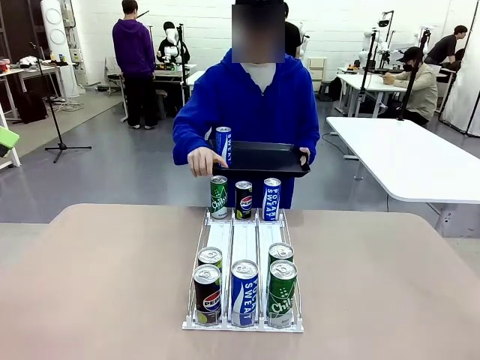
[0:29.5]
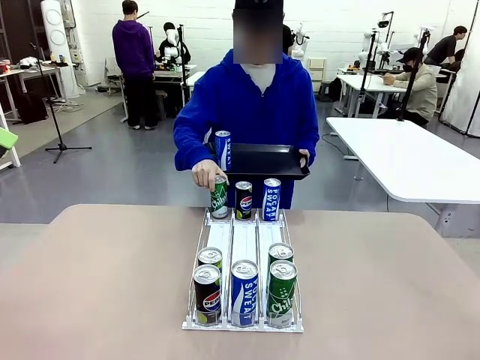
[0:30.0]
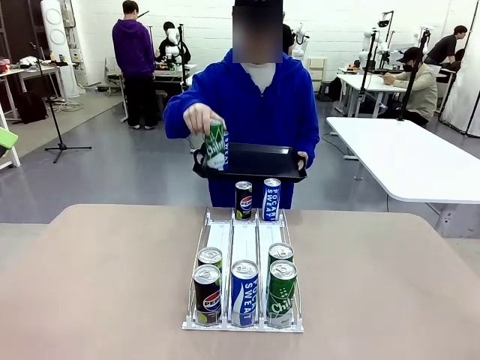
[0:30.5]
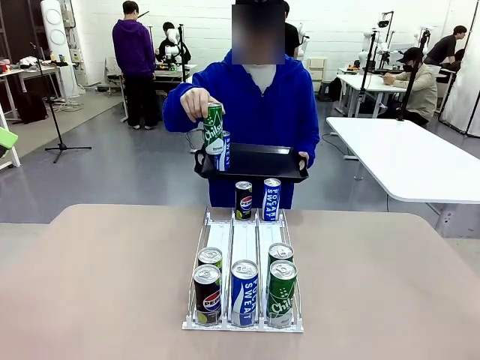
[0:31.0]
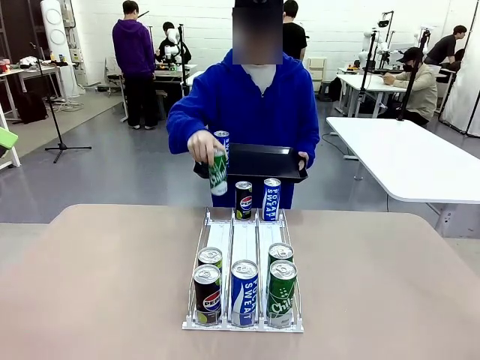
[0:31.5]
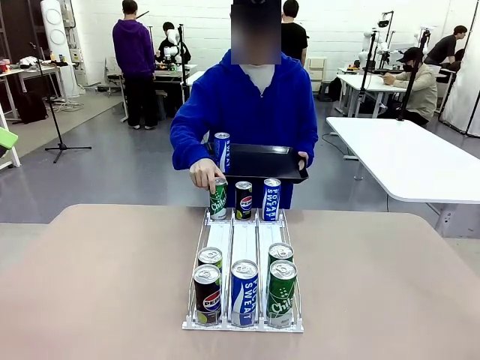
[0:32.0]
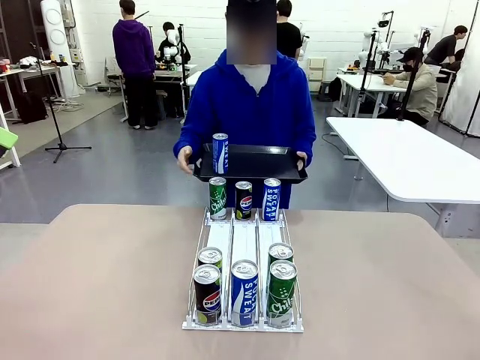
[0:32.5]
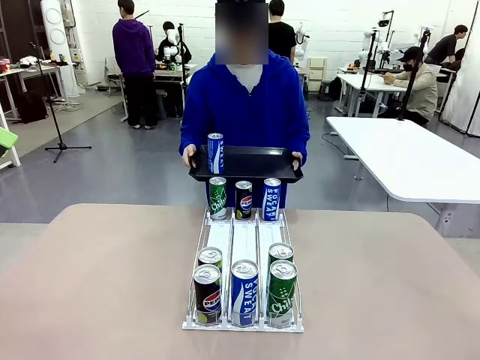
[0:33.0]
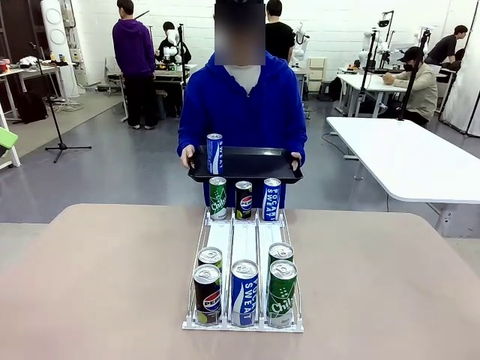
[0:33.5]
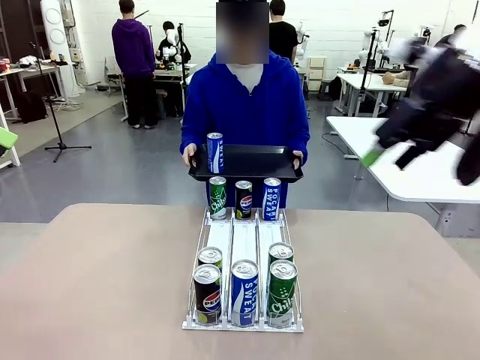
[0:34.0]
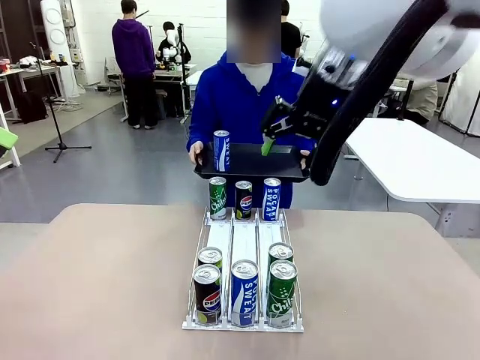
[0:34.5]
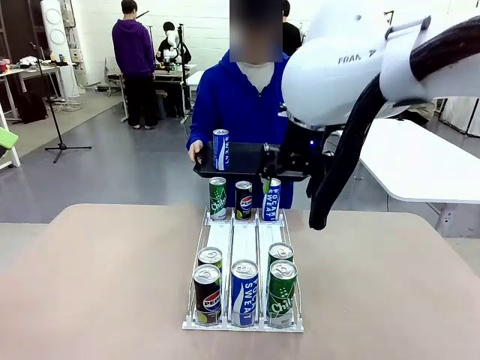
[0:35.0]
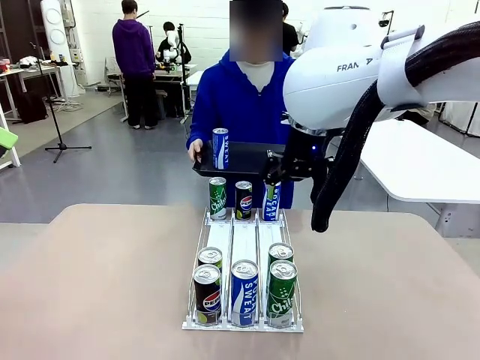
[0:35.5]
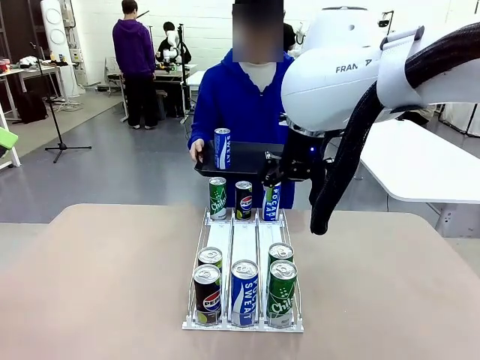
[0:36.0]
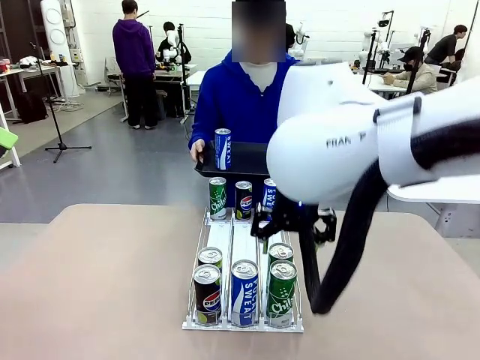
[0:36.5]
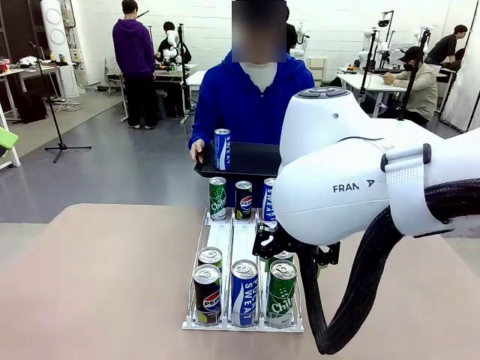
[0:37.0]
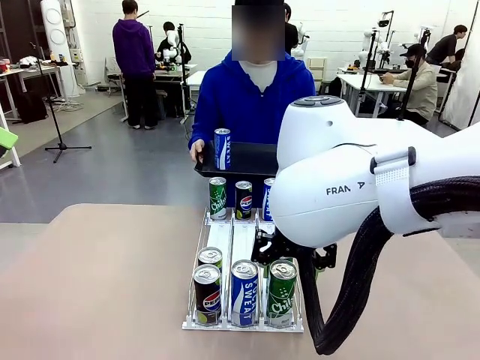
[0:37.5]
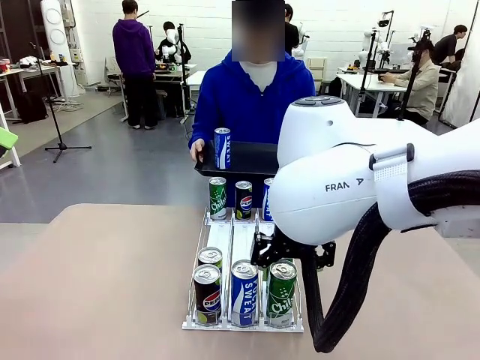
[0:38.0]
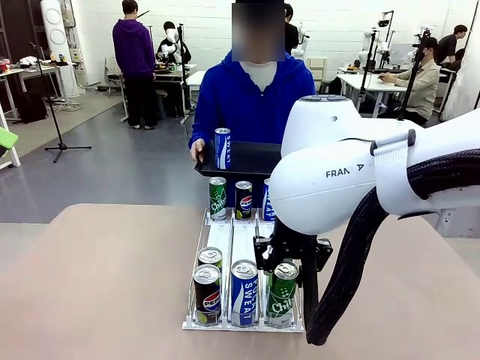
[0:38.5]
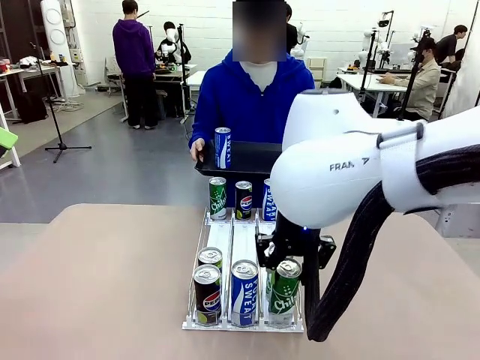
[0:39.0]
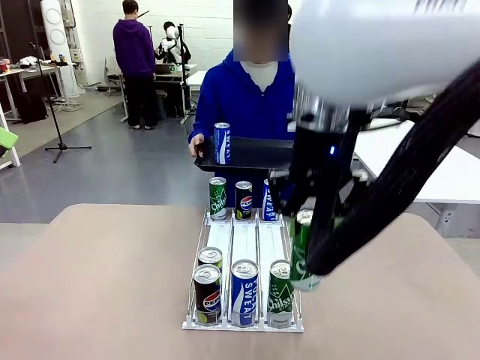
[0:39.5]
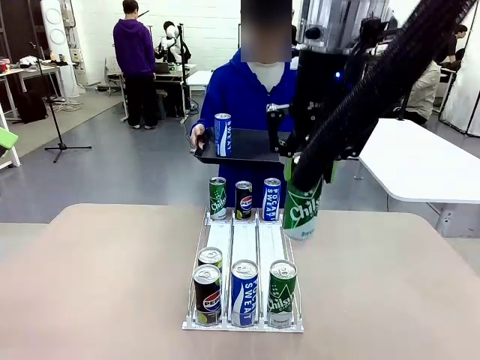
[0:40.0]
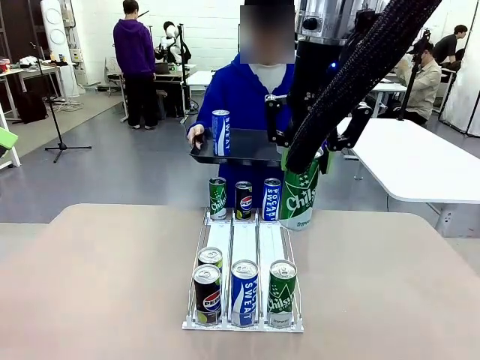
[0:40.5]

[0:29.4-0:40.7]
Task: Retrieve and hand over the desired beverage to the person.
Robot: Pick up another can of the same type that the person held from the Automatic Can Dispenser.
Person: Push the tray toward the robot again.

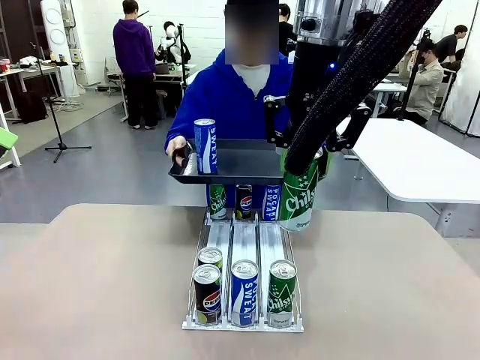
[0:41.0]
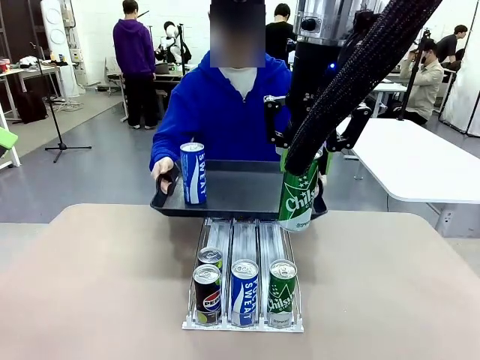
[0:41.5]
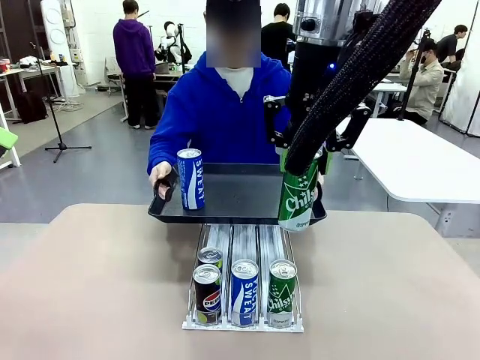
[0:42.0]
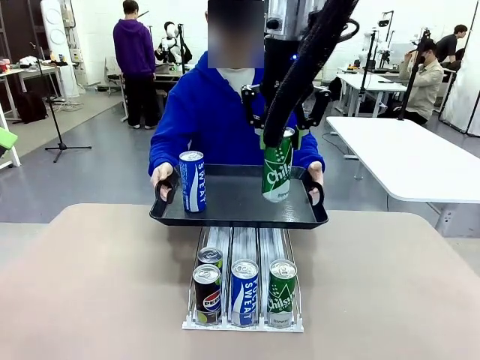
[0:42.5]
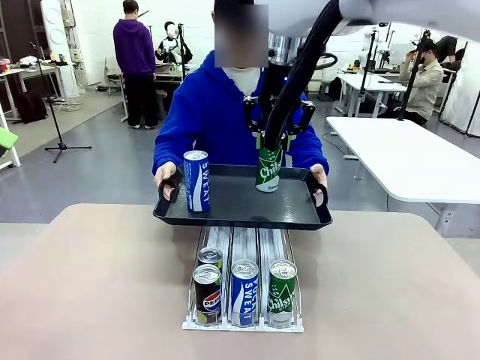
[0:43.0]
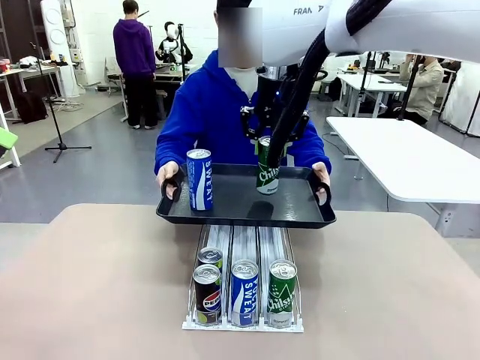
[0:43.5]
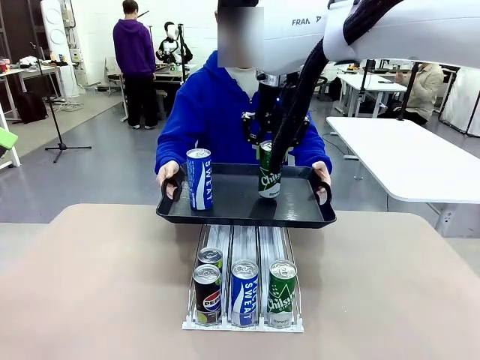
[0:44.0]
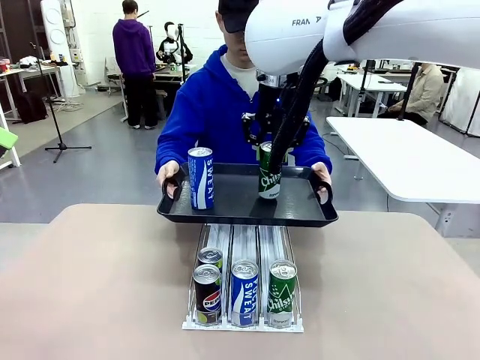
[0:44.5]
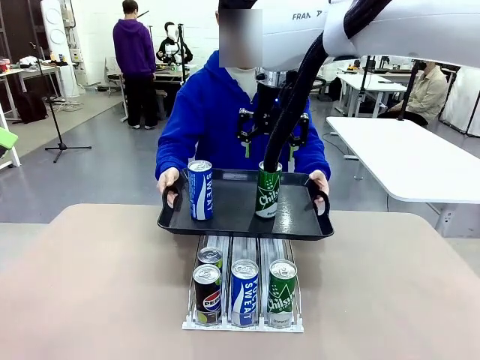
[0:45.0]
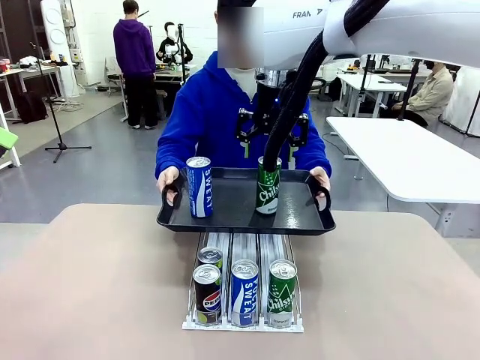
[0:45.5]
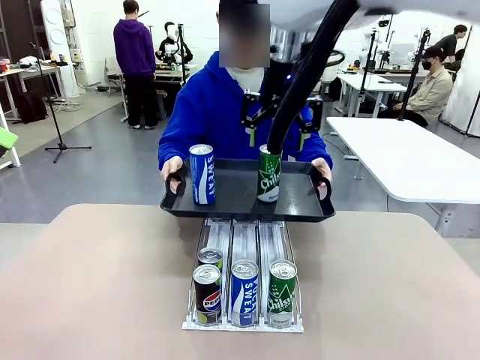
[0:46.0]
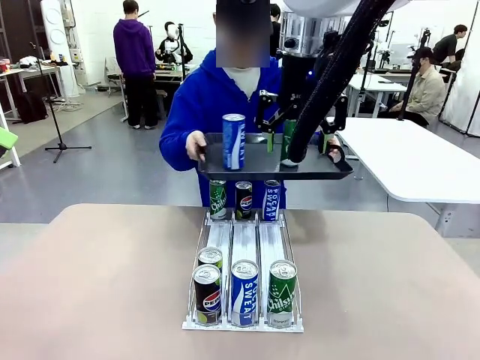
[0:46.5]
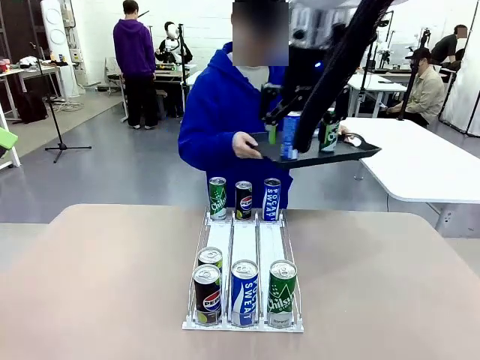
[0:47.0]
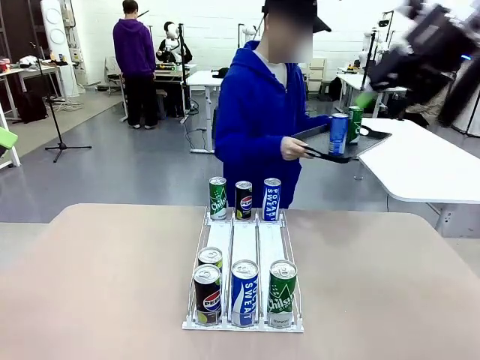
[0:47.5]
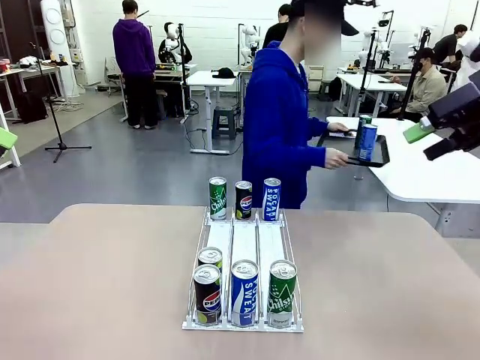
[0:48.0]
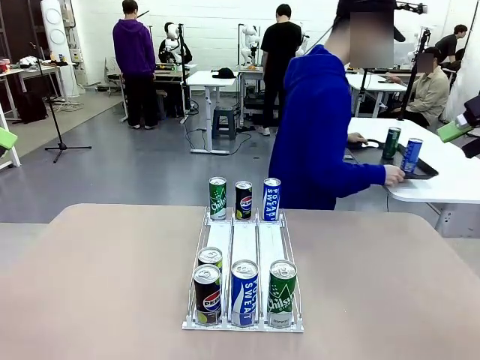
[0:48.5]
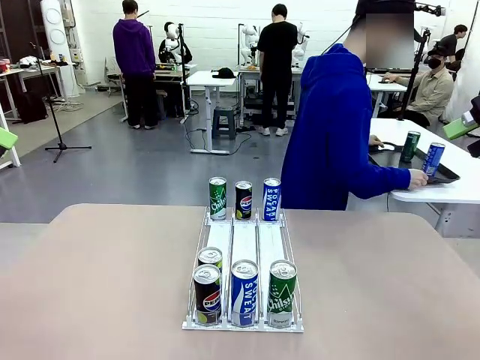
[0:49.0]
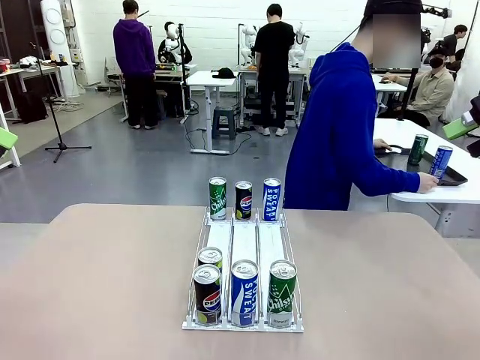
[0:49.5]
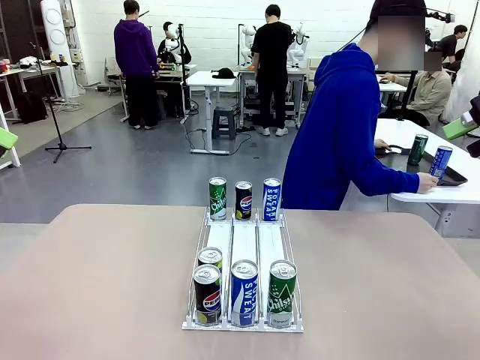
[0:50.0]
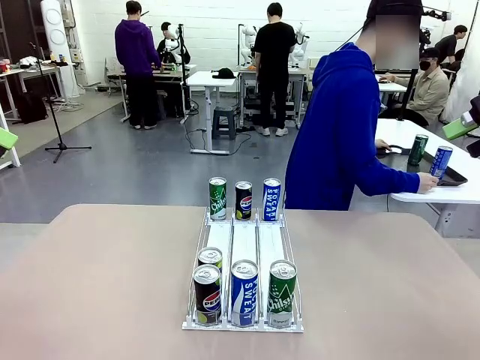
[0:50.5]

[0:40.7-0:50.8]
Robot: Place the picked can on the Handle tray extended by the person.
Person: Pull the tray back and place it at the center of the human table.

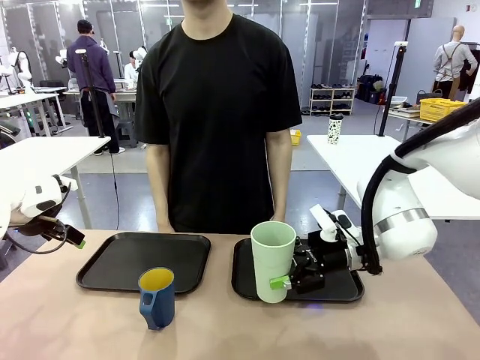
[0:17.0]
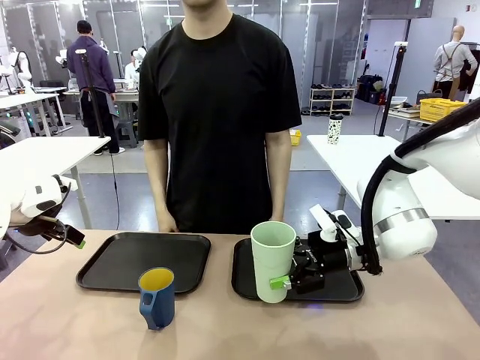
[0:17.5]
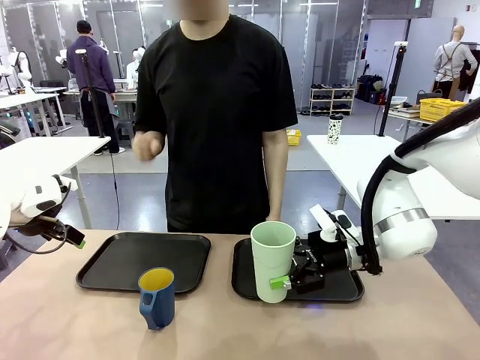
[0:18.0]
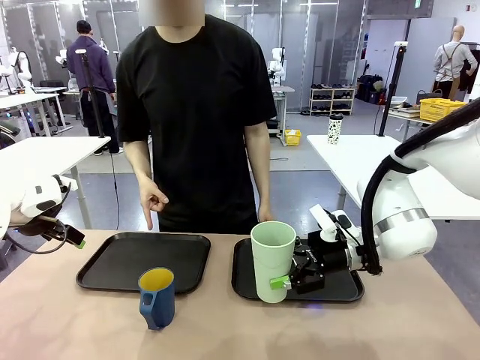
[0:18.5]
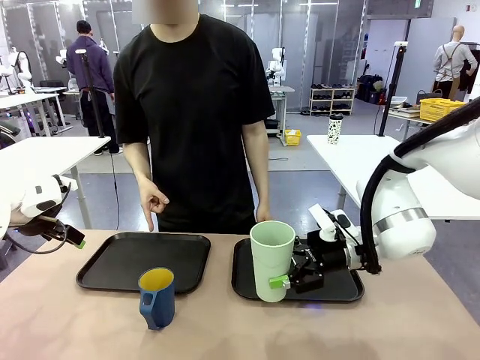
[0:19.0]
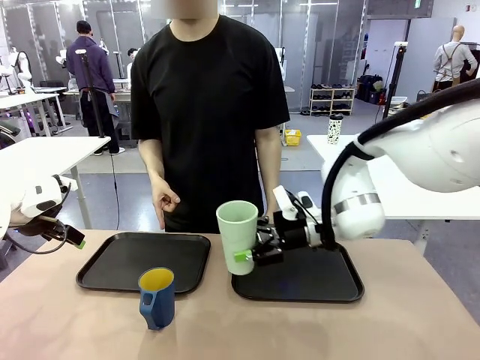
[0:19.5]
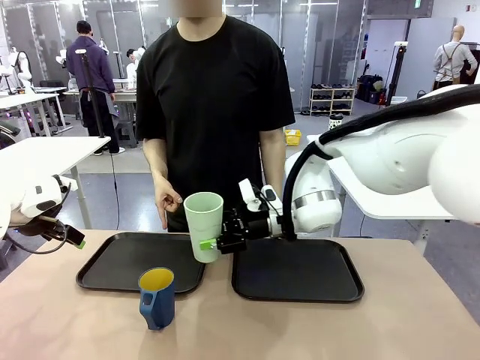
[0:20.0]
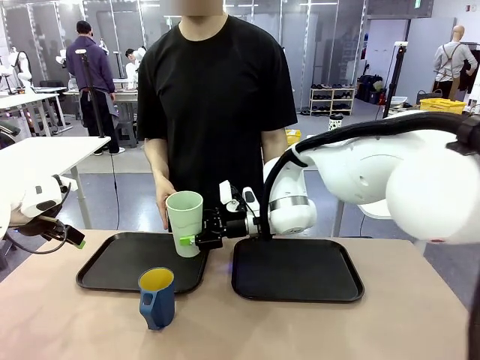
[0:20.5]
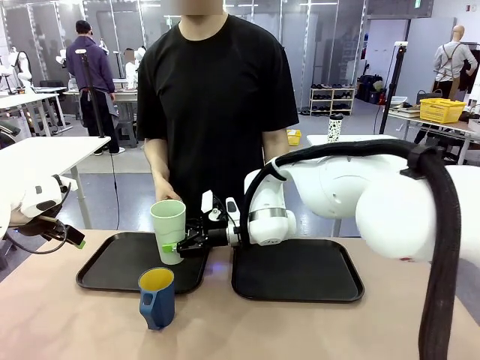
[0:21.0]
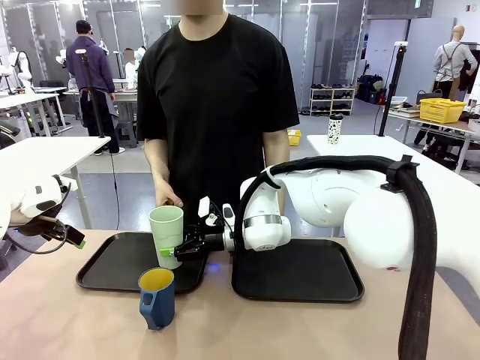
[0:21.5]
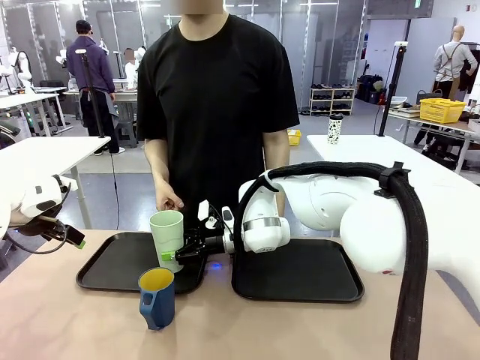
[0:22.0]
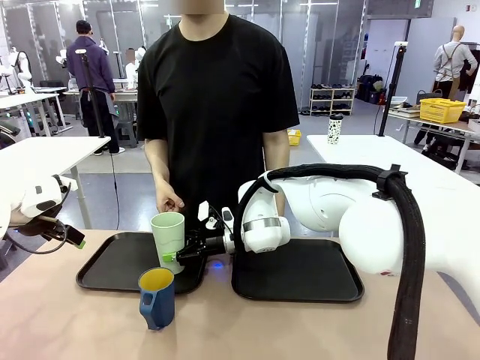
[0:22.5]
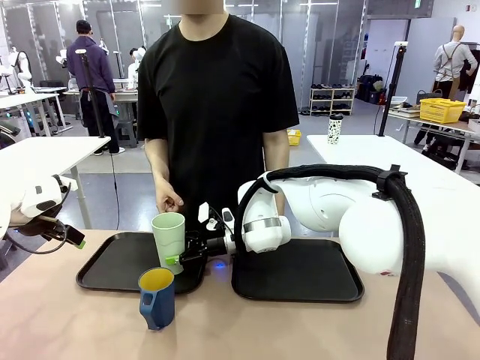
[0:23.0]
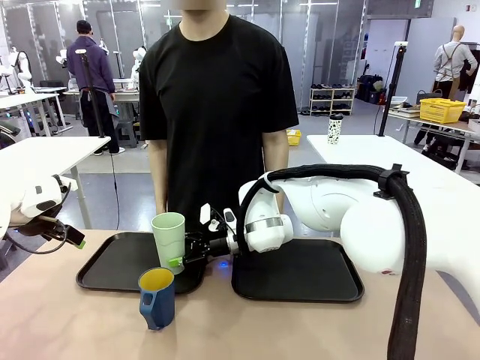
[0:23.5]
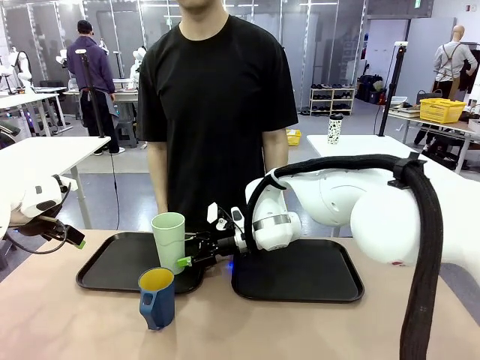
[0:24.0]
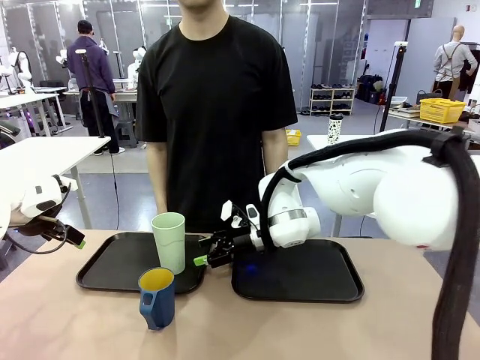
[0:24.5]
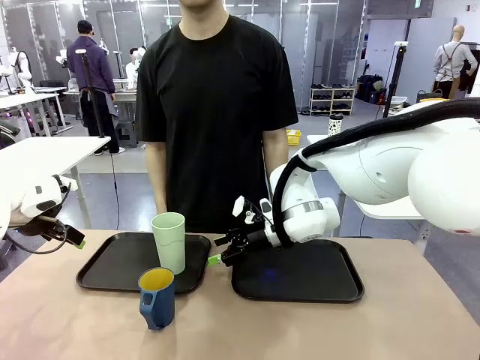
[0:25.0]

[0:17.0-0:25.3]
Task: Sort and store the cups by type.
Robot: Place the picked Reusable plastic cup into the Flat Tray indicated by the person.
